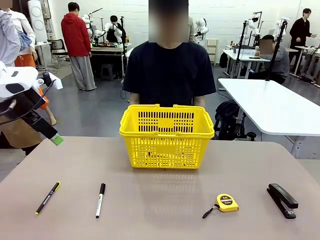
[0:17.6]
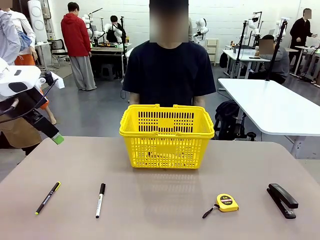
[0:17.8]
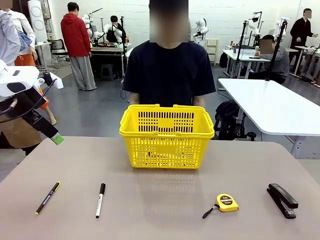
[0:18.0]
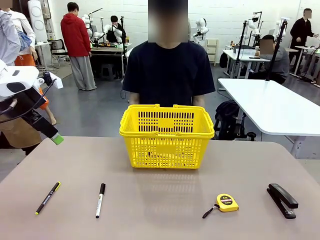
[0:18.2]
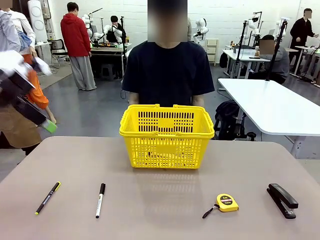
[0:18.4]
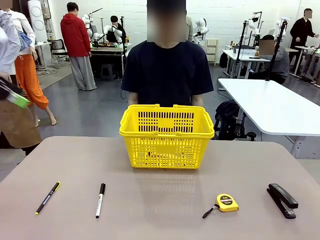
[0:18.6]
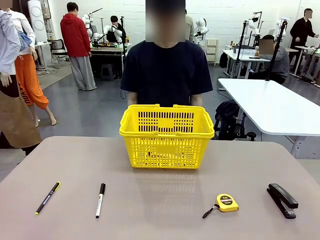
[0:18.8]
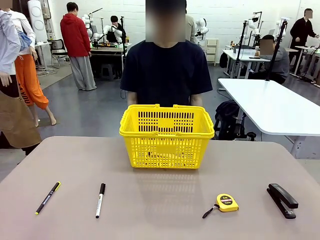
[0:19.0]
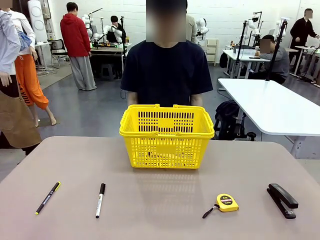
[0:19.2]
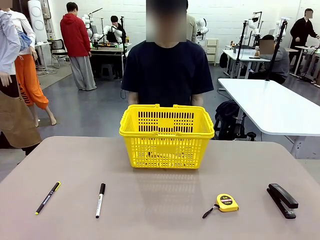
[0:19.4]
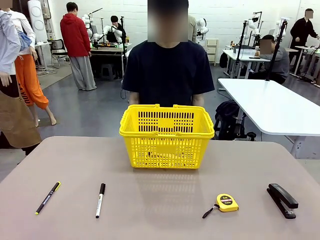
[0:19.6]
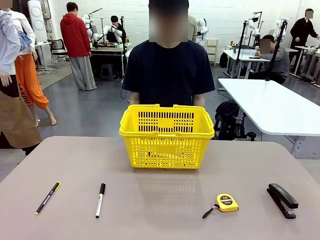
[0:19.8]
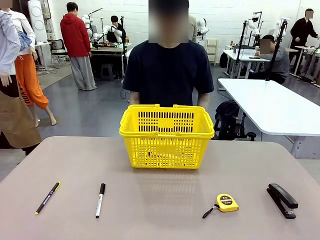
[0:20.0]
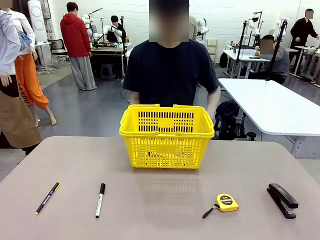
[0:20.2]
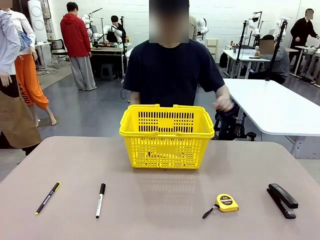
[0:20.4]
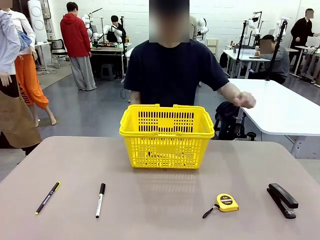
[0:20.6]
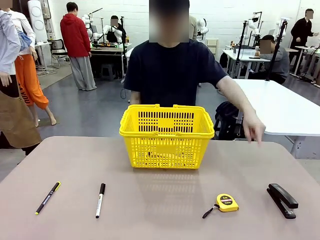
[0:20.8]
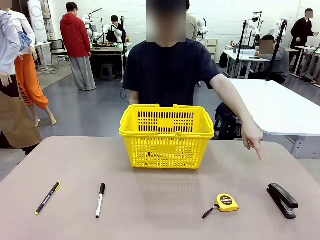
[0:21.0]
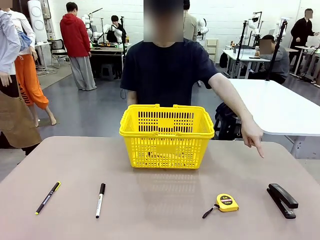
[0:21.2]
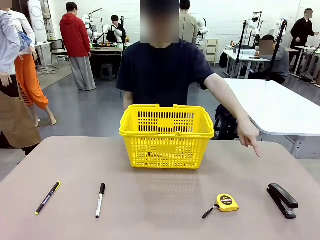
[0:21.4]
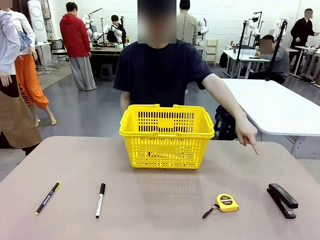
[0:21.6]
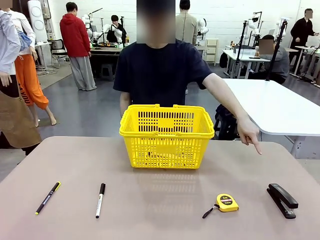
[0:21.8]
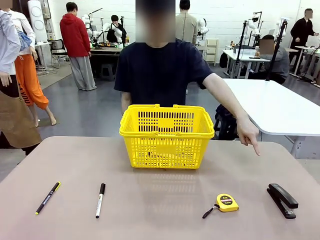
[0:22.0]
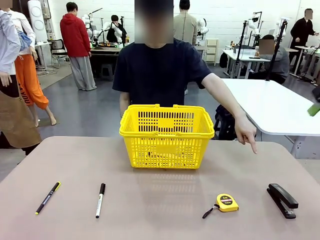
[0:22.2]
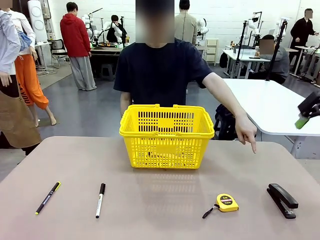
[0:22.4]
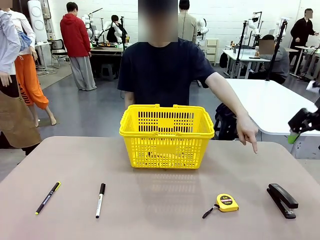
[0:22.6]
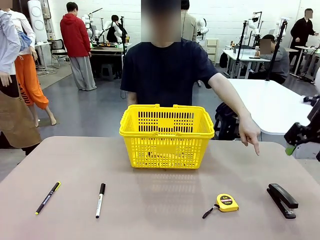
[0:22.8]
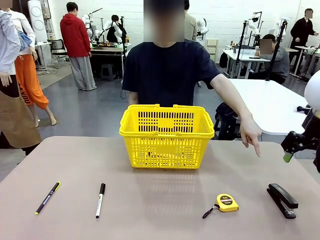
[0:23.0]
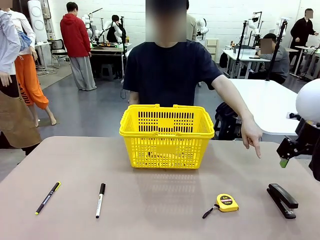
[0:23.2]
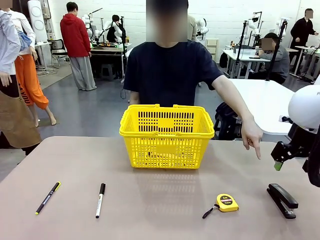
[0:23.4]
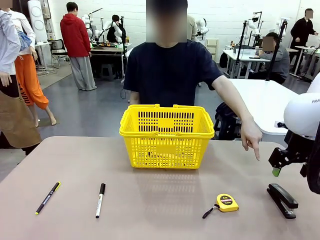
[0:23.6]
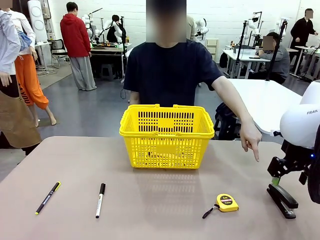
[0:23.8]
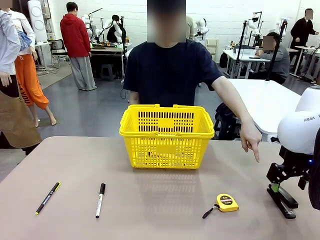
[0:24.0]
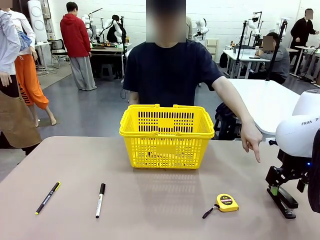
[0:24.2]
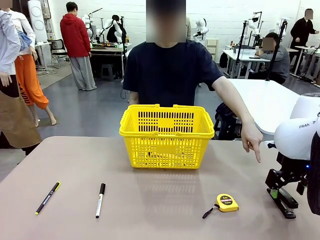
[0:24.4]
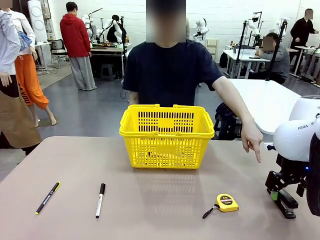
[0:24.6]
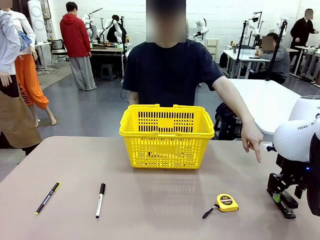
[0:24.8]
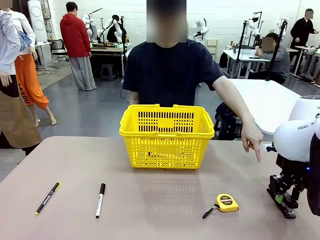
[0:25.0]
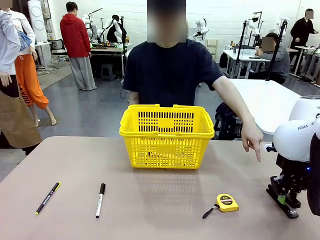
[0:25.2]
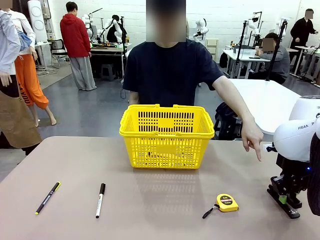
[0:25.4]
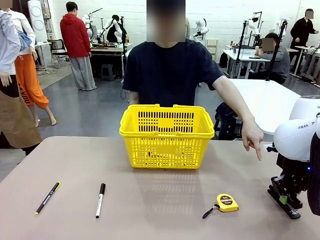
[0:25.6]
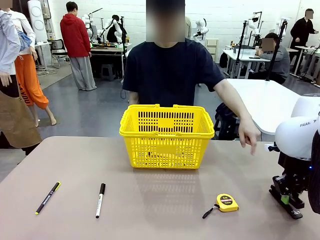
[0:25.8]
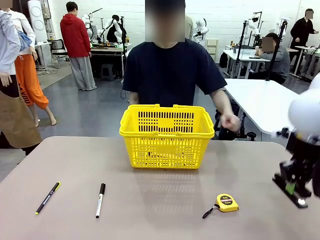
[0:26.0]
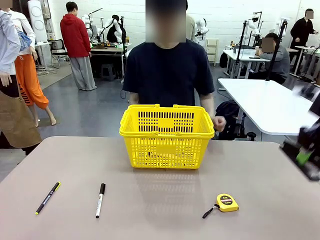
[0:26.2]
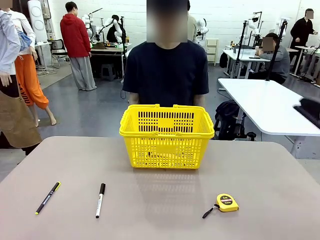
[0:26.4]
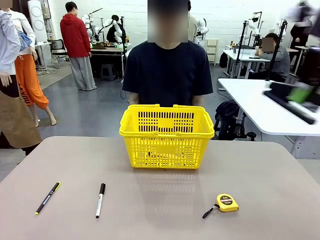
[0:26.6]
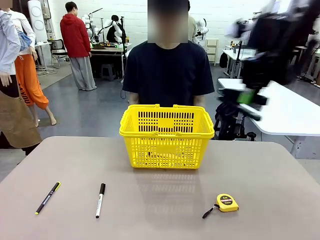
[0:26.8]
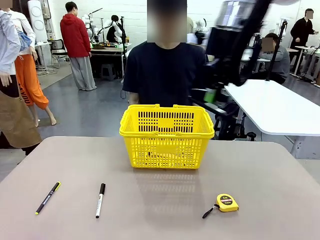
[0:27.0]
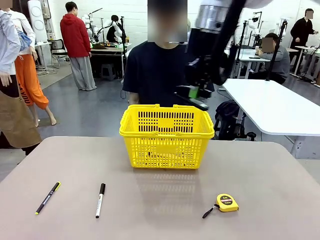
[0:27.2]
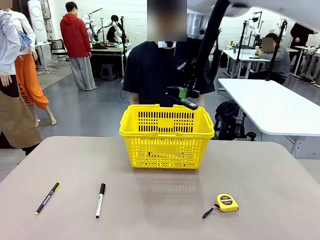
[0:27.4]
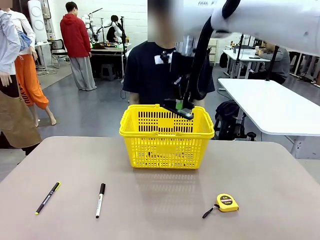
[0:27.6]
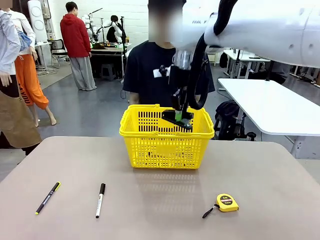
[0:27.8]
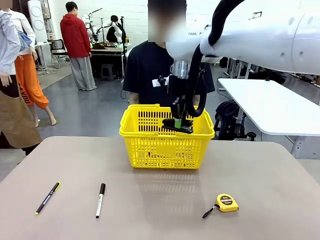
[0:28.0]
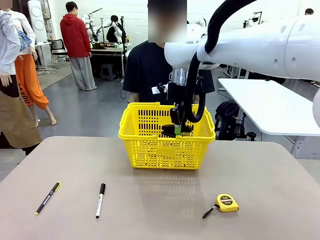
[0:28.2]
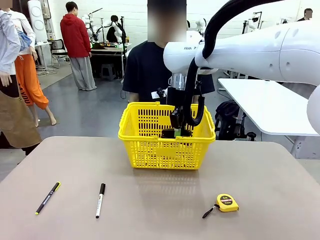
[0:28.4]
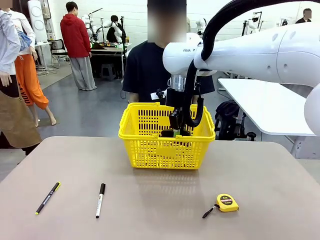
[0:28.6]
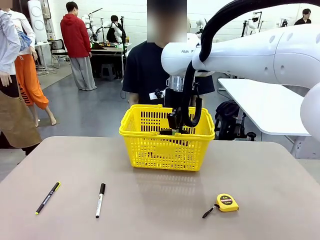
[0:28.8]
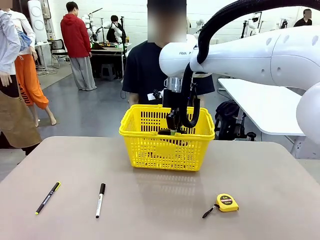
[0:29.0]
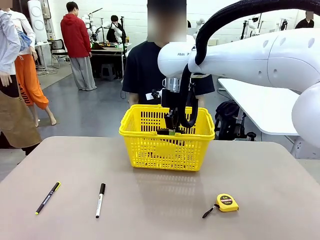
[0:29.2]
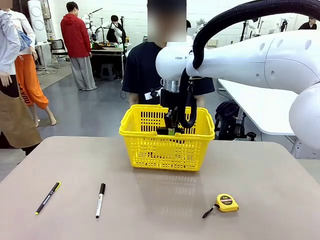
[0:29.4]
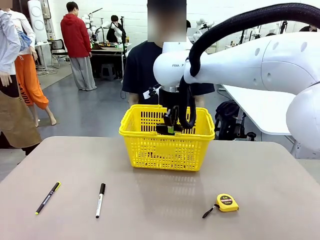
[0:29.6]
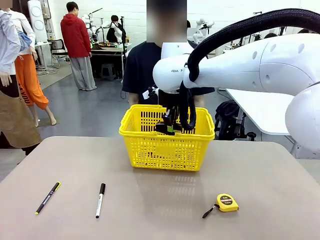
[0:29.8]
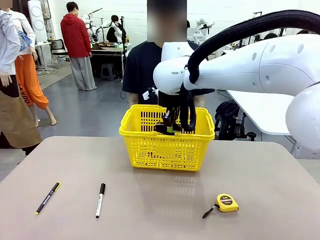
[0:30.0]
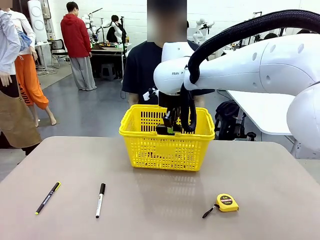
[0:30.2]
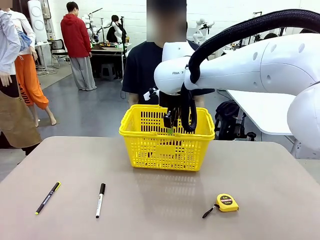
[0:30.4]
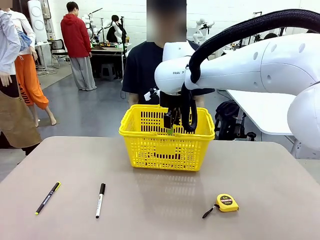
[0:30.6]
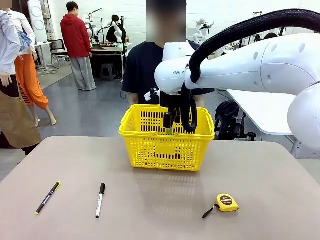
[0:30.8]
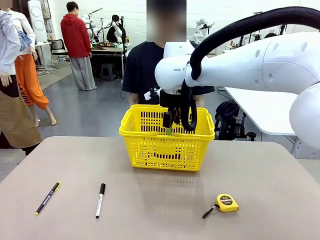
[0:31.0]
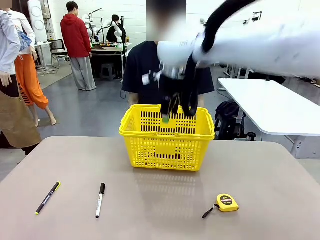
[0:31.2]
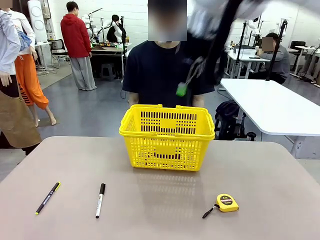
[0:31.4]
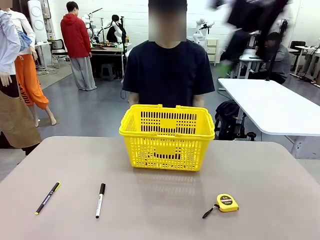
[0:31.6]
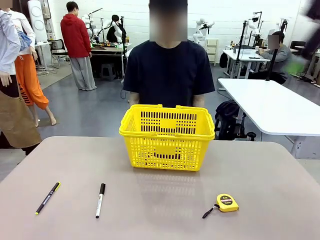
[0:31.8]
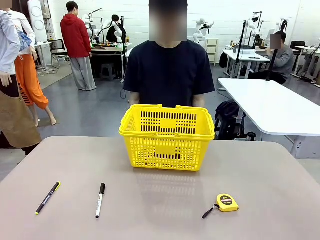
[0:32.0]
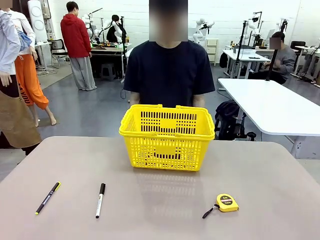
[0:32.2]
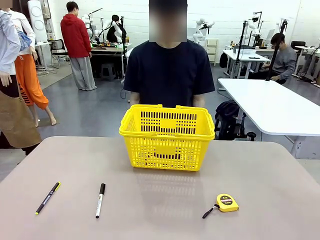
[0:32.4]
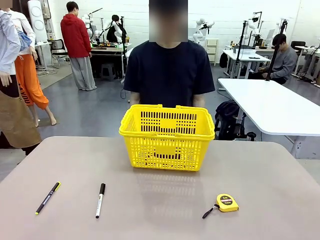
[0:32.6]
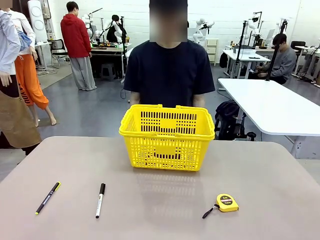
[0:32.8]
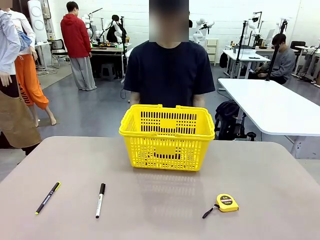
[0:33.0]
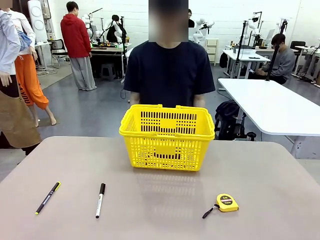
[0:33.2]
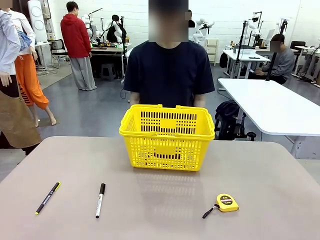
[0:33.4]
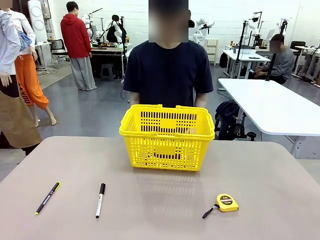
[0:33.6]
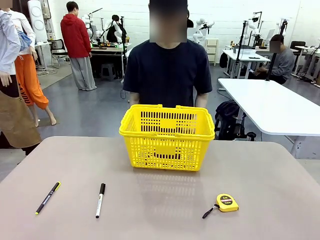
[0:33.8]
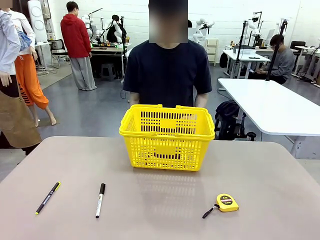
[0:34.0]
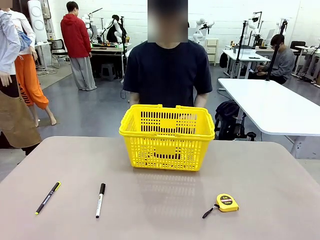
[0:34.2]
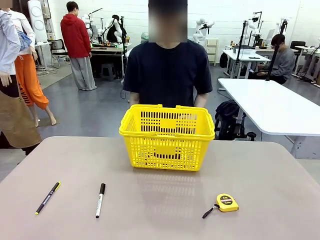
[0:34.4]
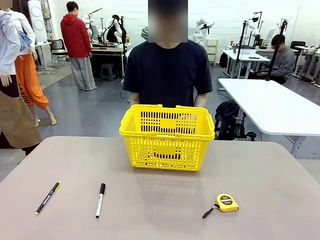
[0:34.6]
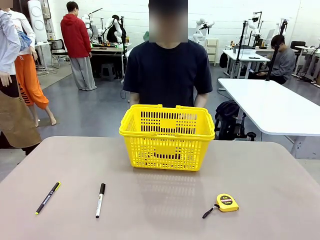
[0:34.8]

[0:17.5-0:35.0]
Task: Place the items the person wants into the basket.
Robot: Pick up the item the person points to and place it in the Market Basket.
